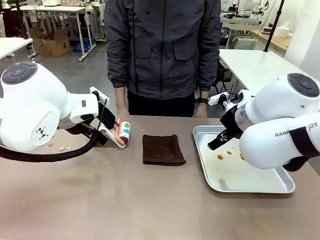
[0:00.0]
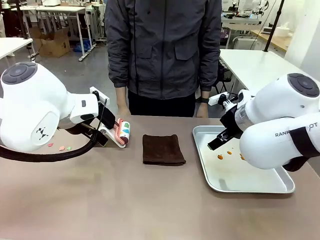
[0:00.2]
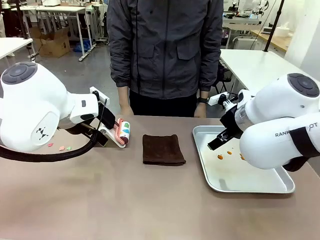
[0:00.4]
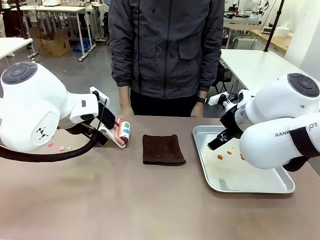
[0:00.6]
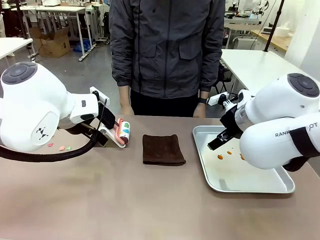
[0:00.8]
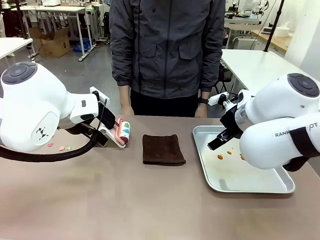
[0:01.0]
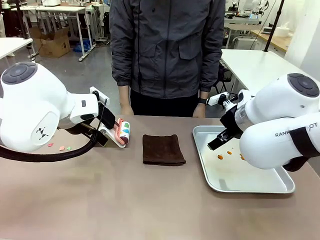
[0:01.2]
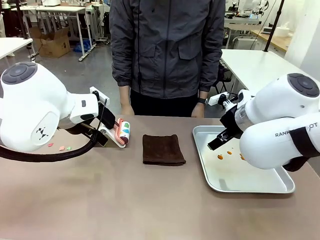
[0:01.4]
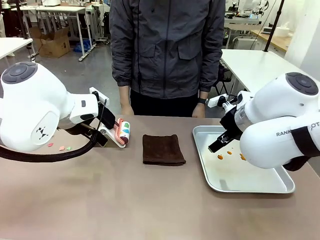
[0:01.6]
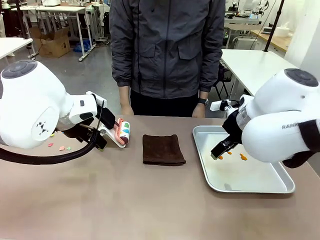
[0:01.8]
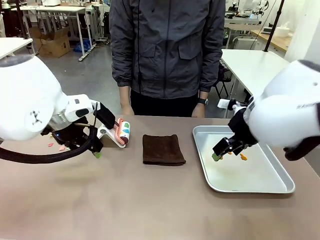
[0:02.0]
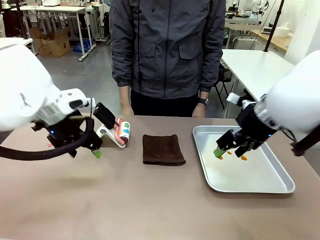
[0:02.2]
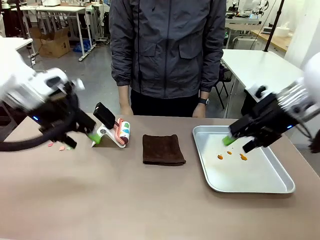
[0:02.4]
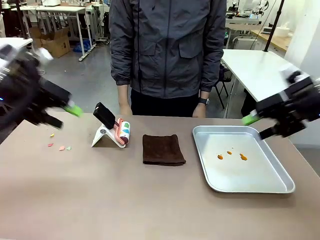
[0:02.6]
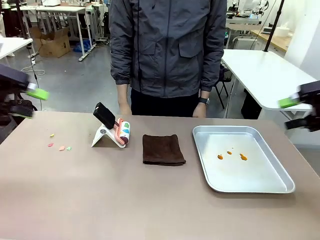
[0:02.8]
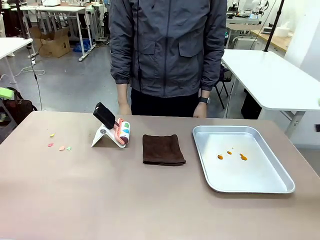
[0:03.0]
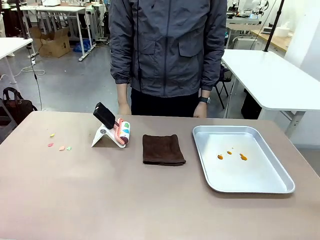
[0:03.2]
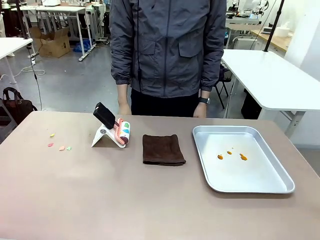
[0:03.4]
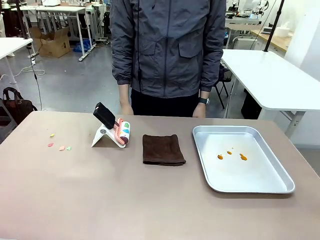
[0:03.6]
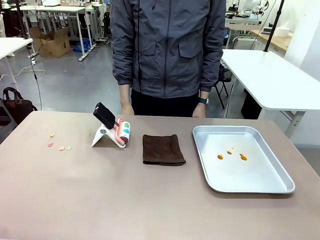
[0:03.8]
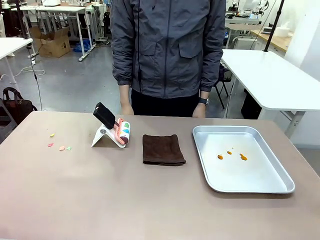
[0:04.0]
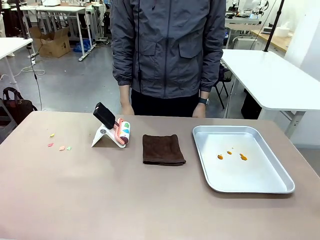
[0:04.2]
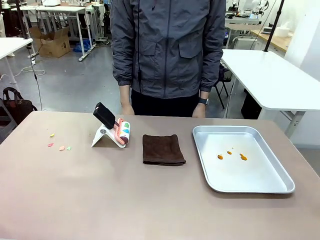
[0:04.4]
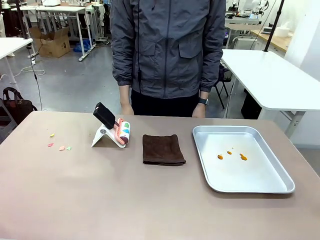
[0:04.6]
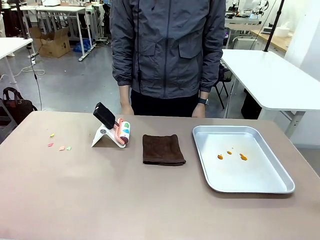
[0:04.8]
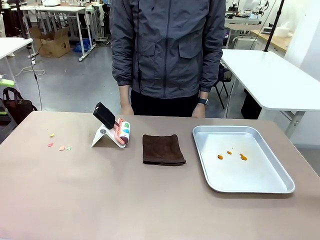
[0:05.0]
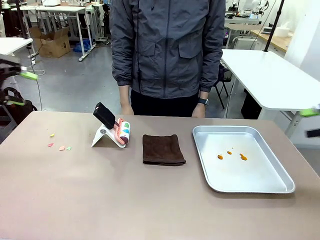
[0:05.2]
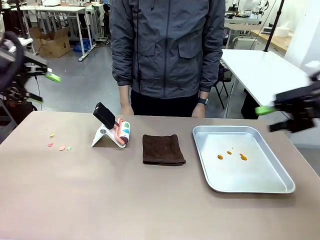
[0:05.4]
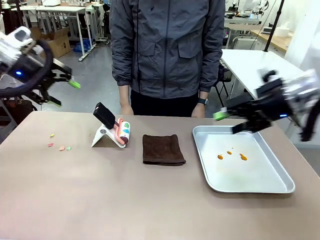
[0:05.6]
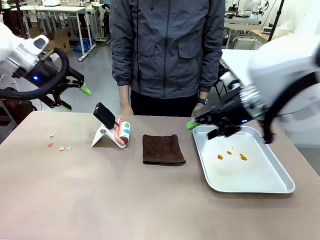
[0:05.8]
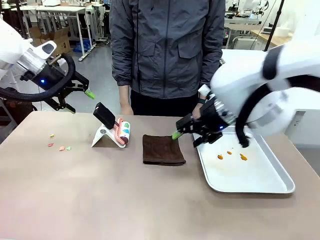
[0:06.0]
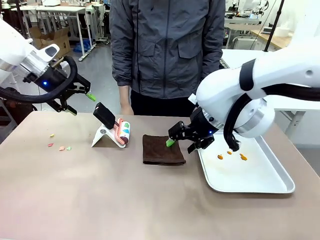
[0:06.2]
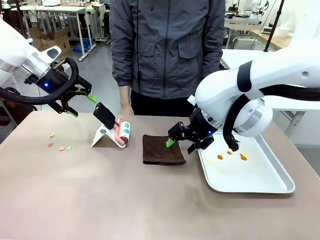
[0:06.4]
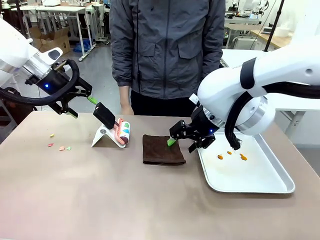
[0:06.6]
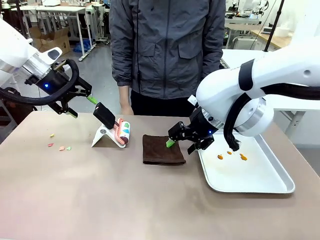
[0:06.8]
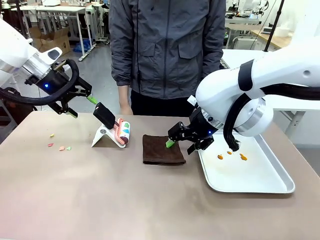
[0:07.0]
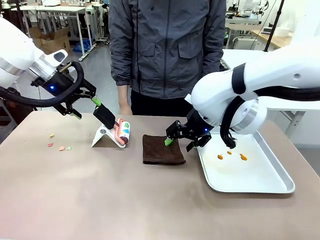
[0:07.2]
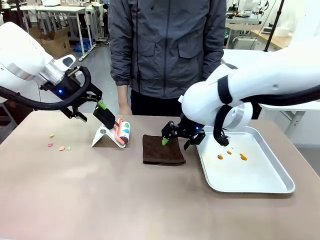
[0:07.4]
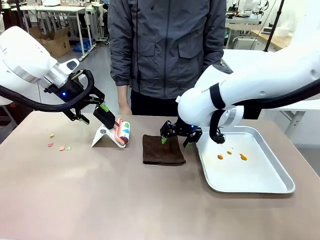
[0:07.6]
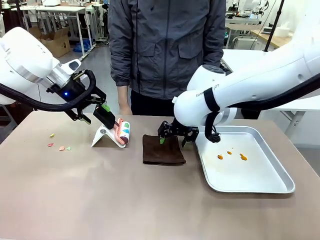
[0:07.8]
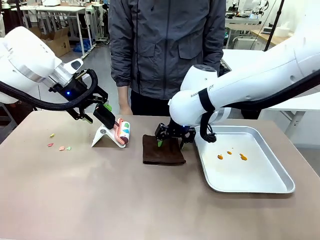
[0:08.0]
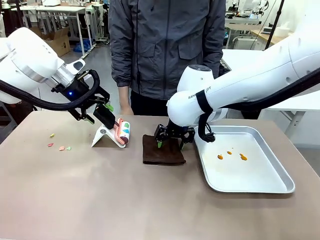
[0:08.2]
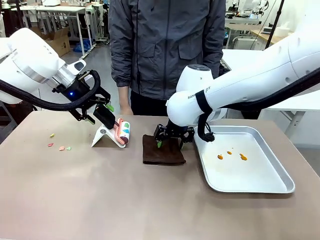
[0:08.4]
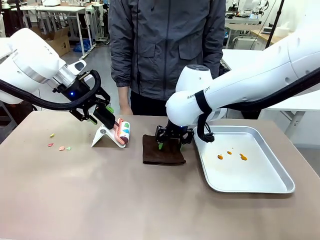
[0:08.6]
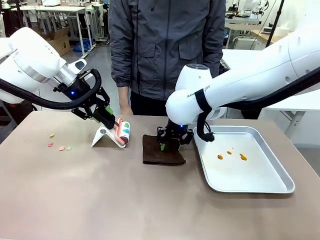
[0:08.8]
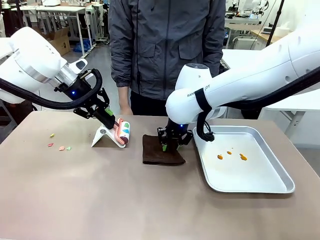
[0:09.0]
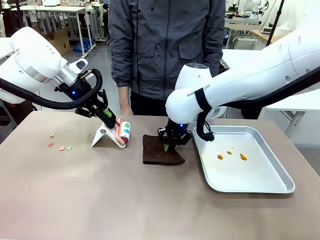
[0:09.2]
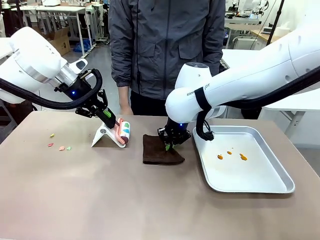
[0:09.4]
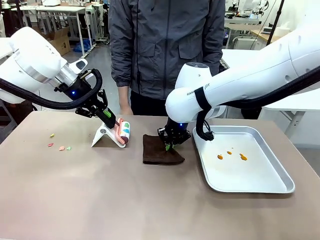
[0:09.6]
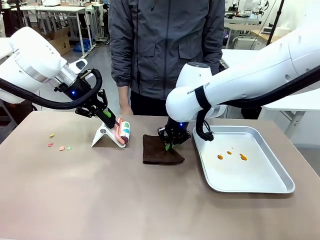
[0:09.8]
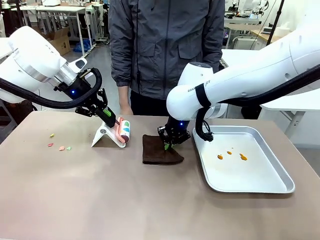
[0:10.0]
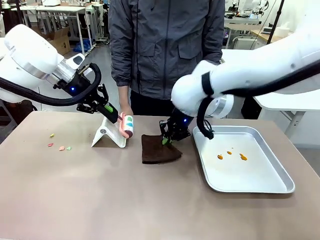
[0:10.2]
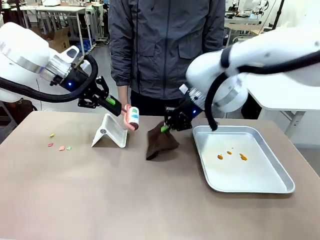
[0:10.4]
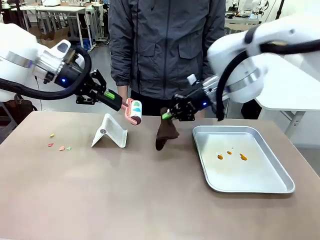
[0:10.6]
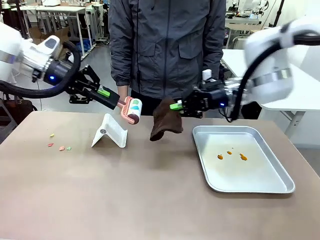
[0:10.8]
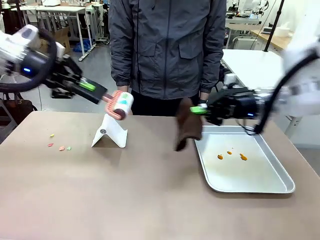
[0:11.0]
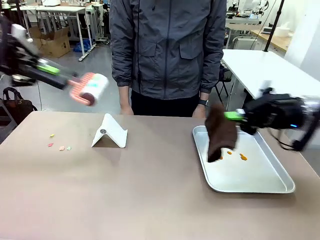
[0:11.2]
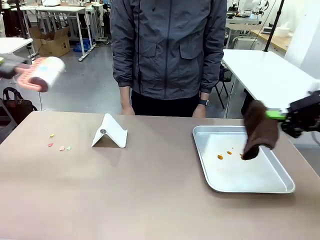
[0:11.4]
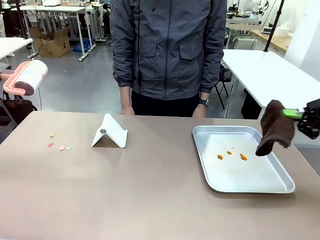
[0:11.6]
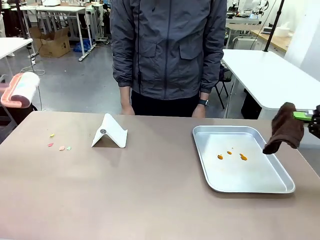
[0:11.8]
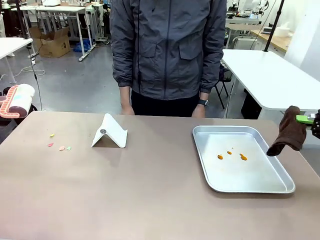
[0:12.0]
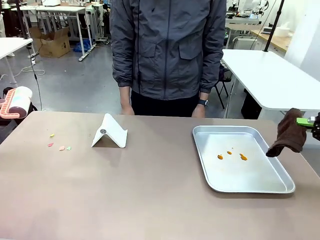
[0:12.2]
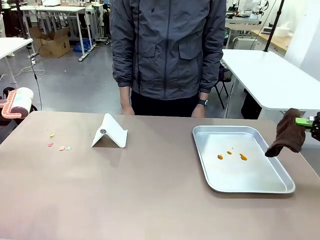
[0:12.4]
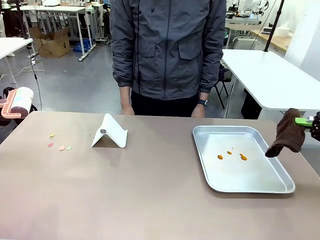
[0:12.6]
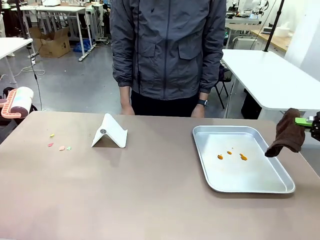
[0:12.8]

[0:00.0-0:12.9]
Task: Clean the surface of the table.
Robot: Hold the Lint Roller with your left hand and the towel with your right hand.

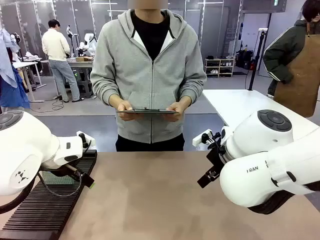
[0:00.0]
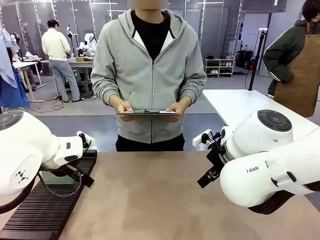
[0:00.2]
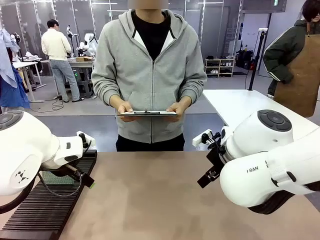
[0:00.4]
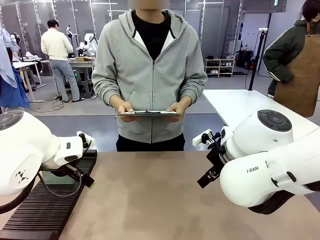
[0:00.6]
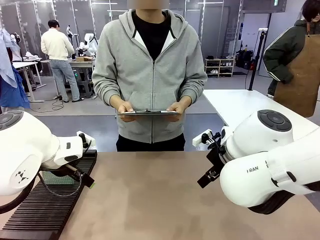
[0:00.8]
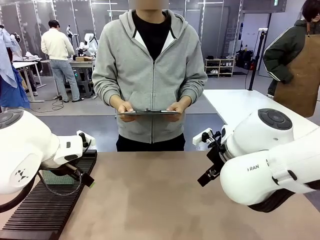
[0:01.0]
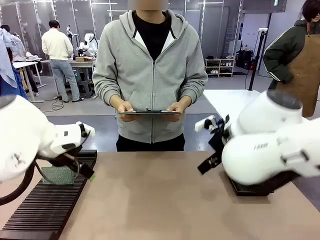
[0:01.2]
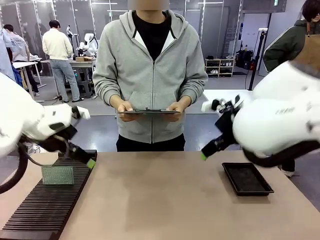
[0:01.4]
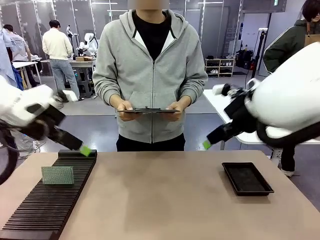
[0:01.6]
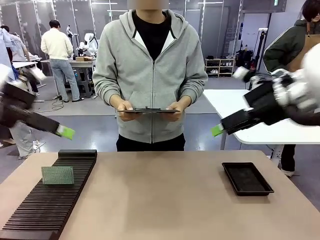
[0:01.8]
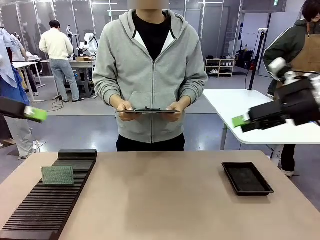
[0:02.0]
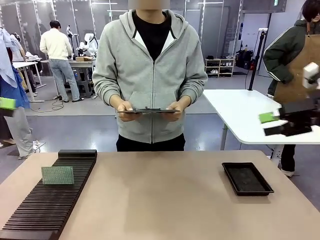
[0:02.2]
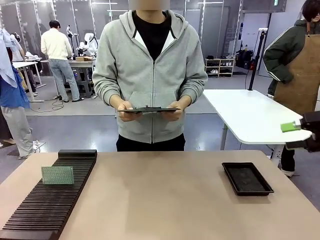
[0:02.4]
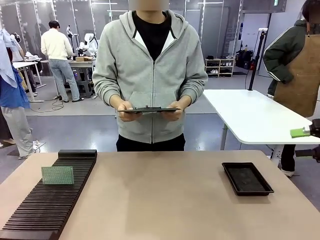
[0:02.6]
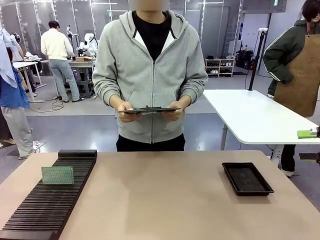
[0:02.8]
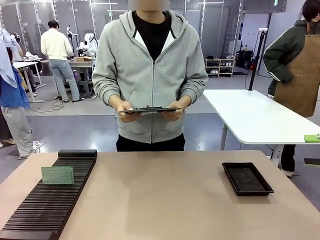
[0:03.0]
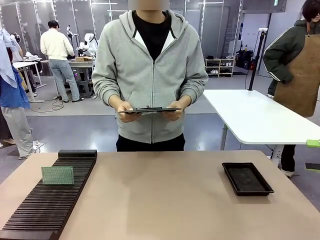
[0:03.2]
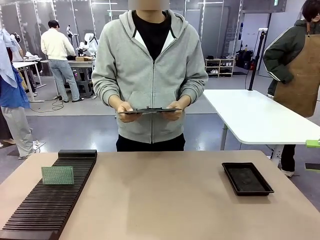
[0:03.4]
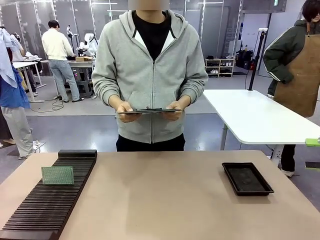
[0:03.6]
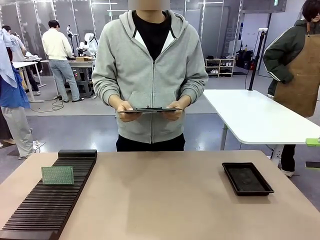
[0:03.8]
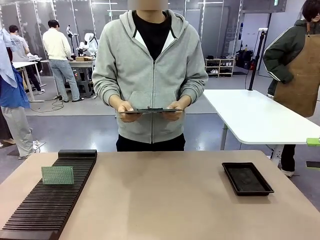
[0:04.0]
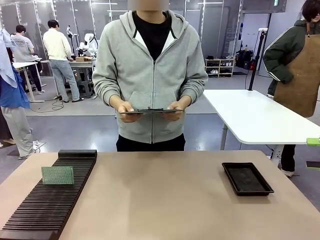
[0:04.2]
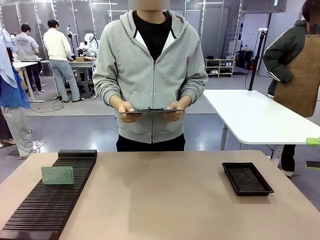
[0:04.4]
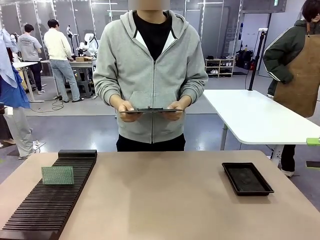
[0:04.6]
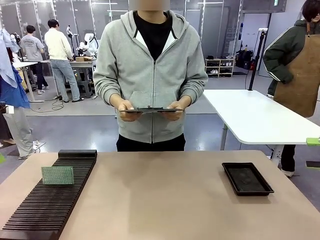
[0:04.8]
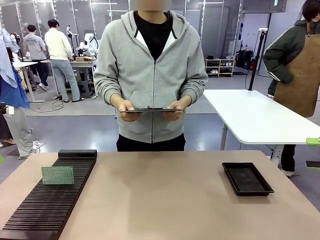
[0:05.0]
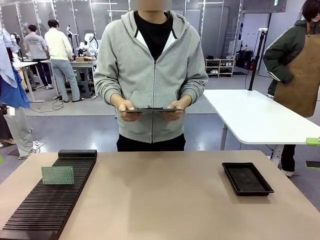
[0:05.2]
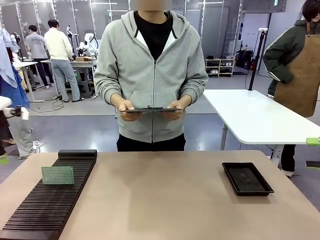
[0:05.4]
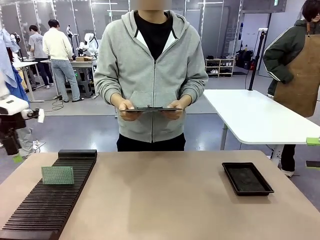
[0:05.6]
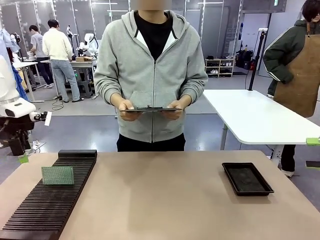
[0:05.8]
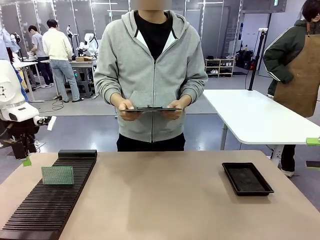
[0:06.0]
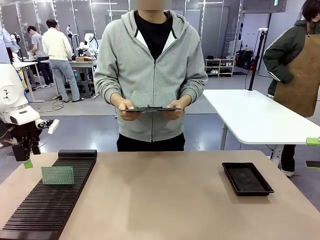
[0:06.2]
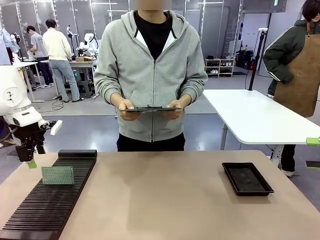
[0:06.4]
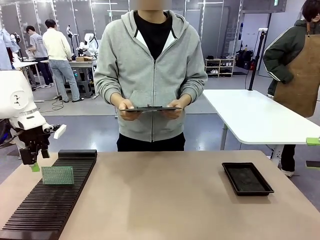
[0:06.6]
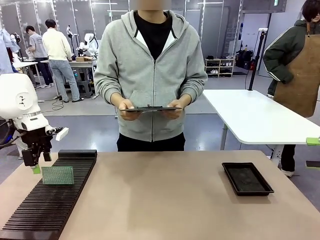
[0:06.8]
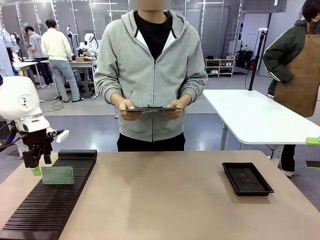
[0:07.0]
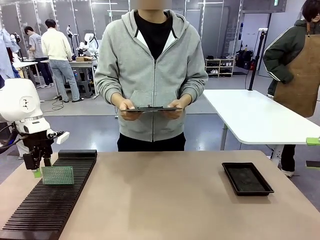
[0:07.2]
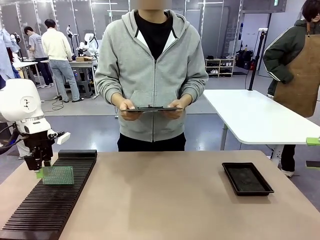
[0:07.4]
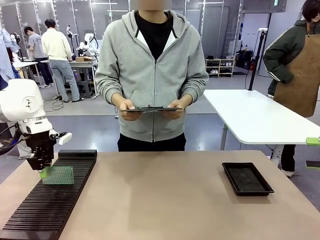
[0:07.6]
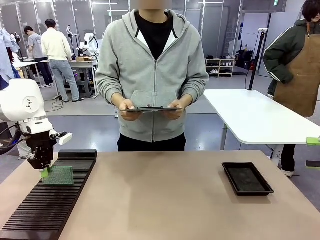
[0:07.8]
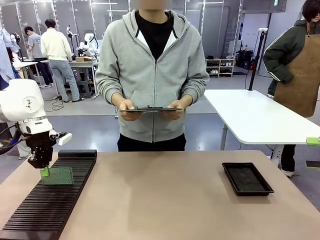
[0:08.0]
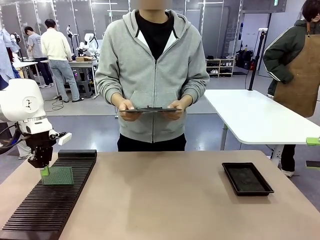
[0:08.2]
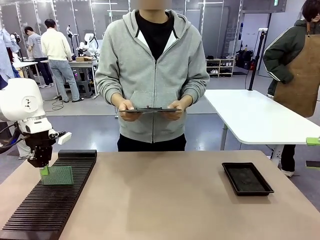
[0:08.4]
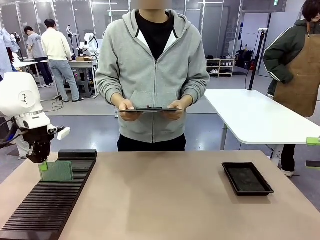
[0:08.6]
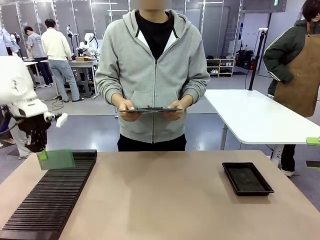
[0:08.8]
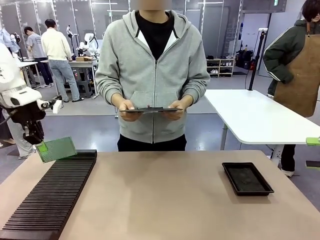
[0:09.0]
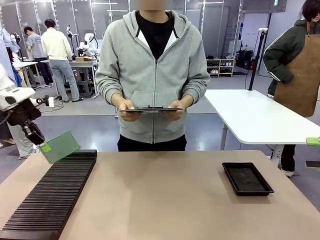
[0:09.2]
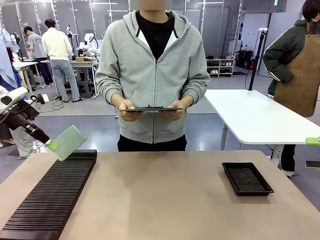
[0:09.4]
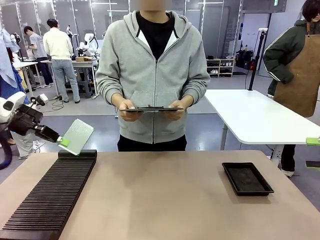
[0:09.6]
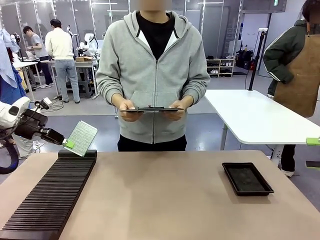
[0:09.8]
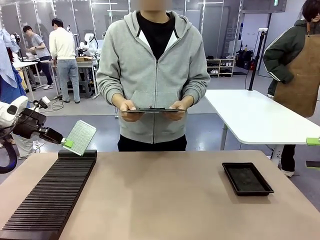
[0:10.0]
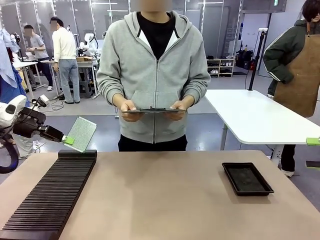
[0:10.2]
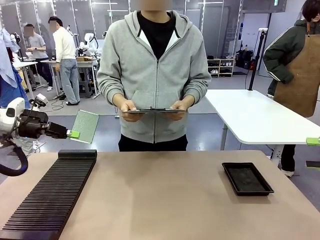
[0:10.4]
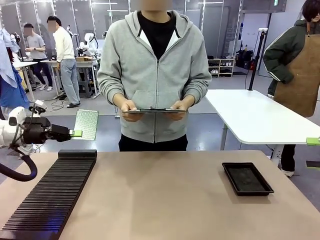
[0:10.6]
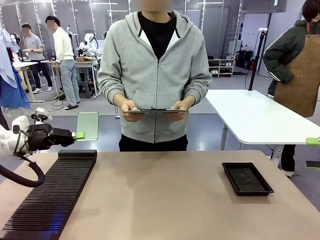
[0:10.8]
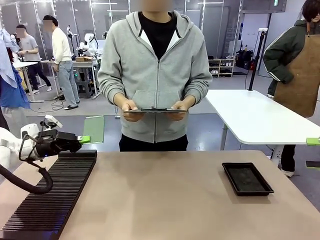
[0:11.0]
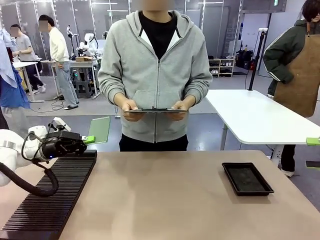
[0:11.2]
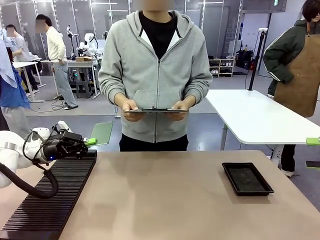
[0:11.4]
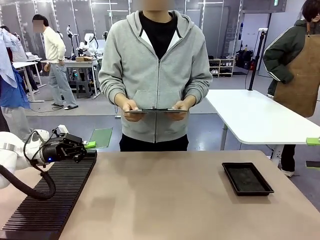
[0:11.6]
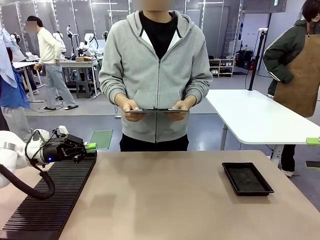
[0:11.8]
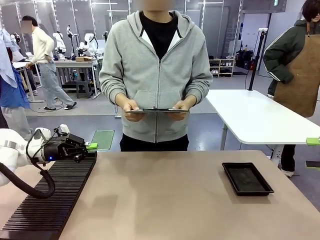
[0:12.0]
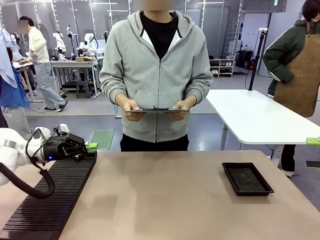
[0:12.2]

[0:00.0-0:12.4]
Task: Inspect the PCB.
Robot: Pick up the Blank PCB and present it to the human.
Person: Pick up the PCB presented by the robot.
